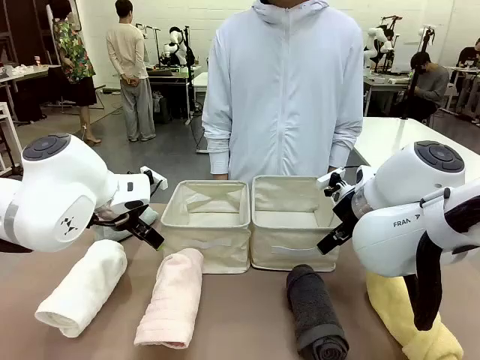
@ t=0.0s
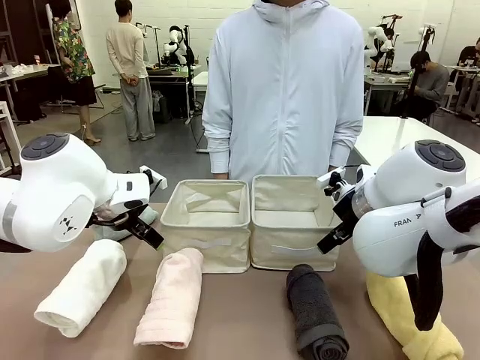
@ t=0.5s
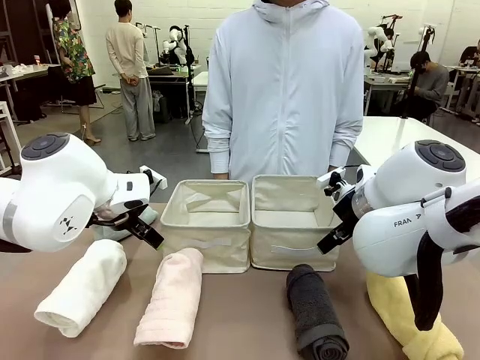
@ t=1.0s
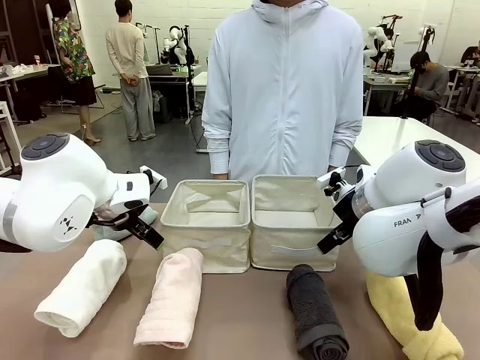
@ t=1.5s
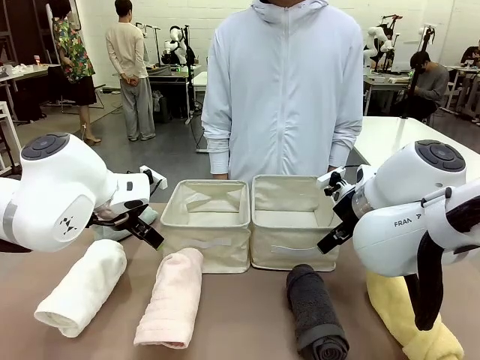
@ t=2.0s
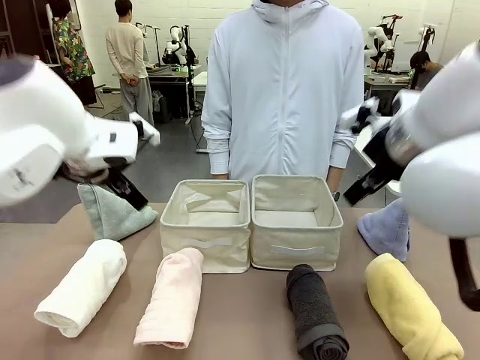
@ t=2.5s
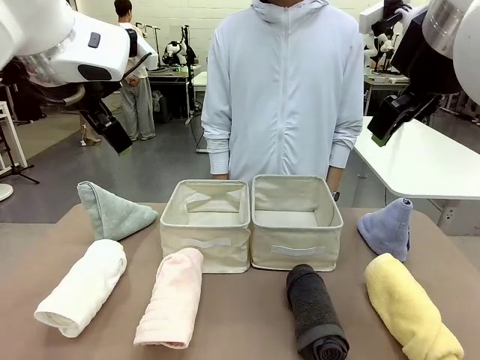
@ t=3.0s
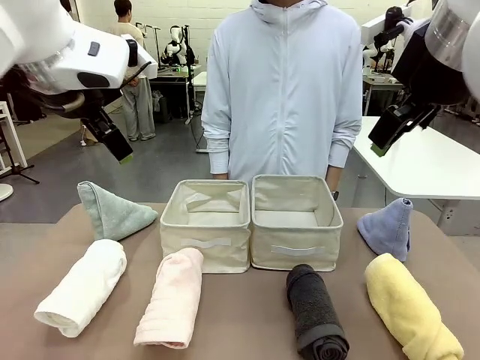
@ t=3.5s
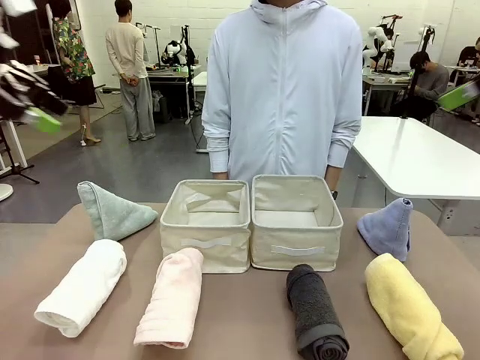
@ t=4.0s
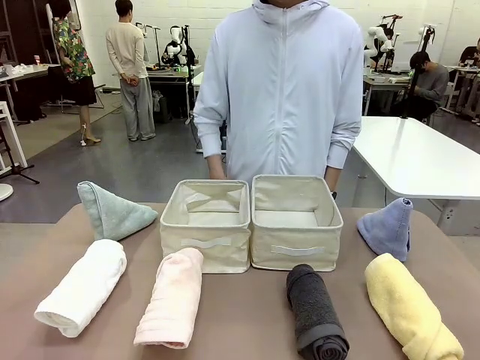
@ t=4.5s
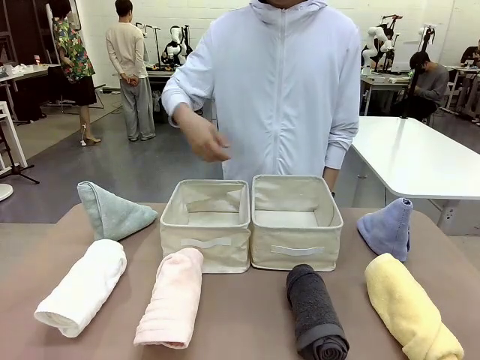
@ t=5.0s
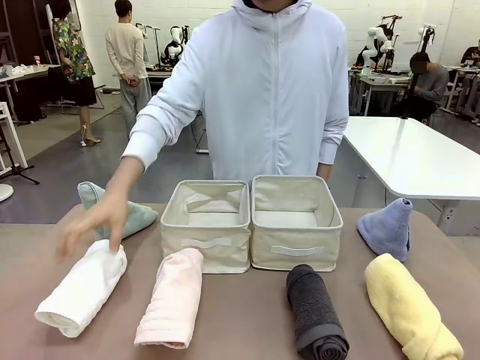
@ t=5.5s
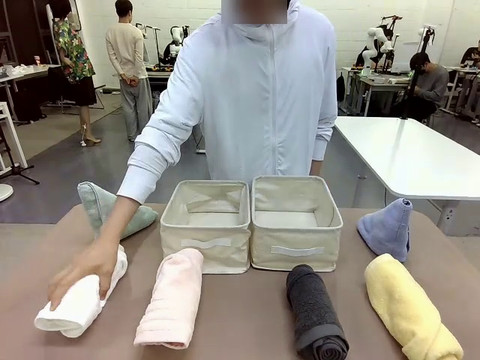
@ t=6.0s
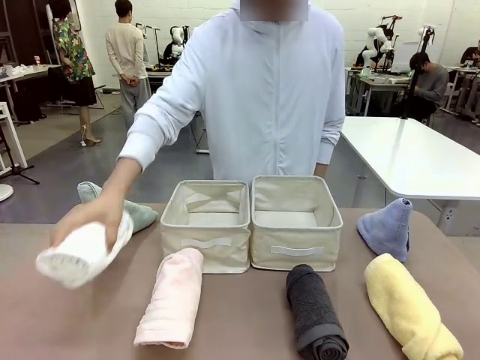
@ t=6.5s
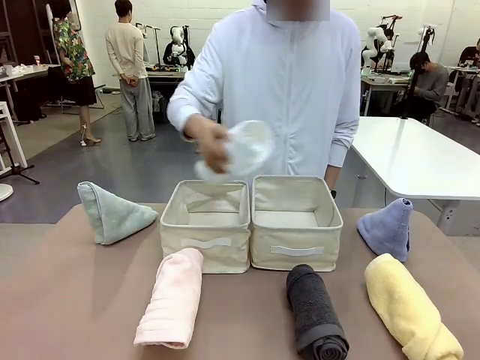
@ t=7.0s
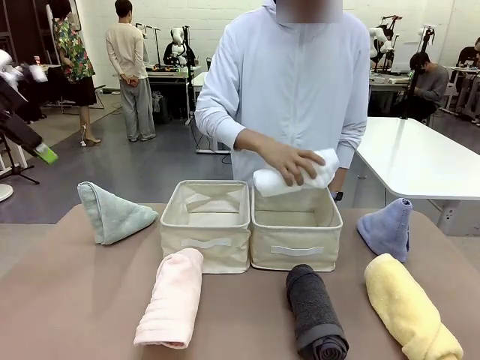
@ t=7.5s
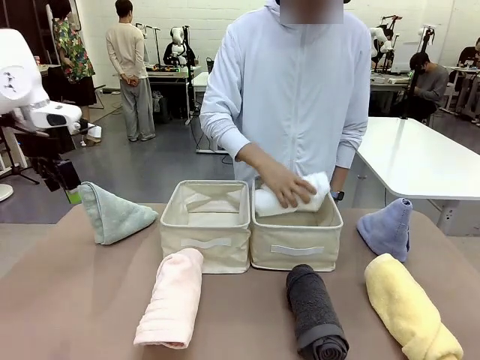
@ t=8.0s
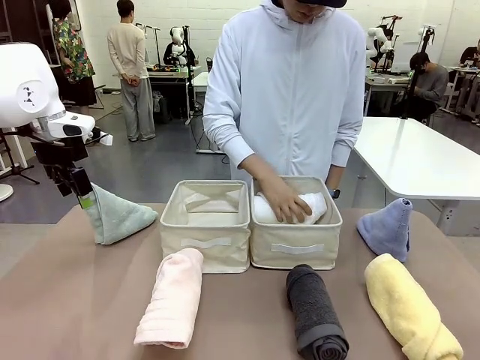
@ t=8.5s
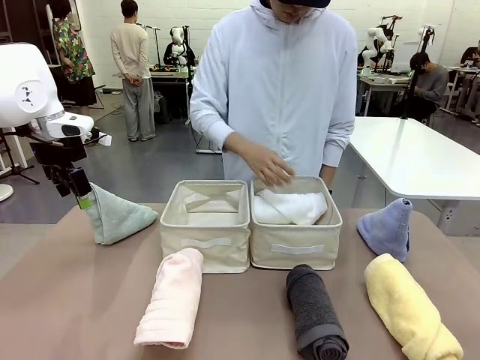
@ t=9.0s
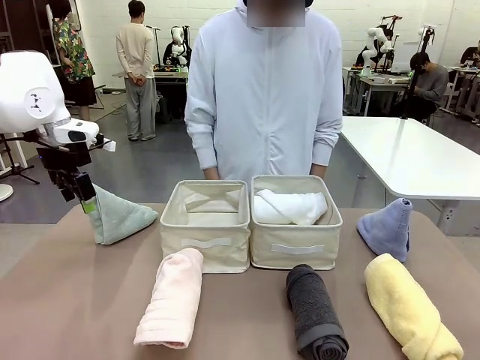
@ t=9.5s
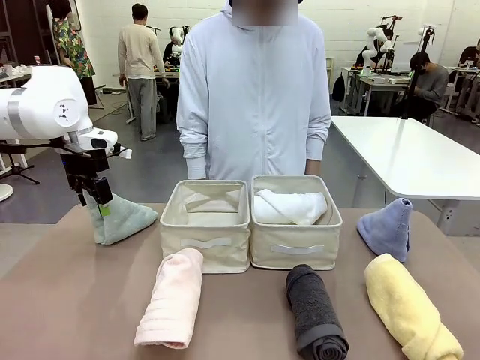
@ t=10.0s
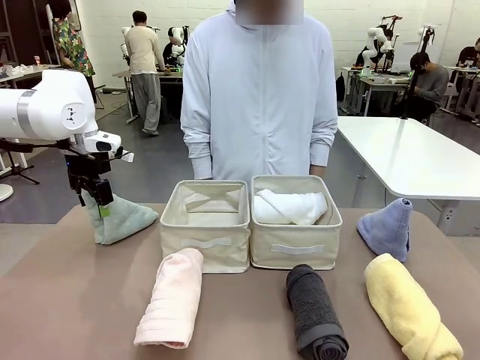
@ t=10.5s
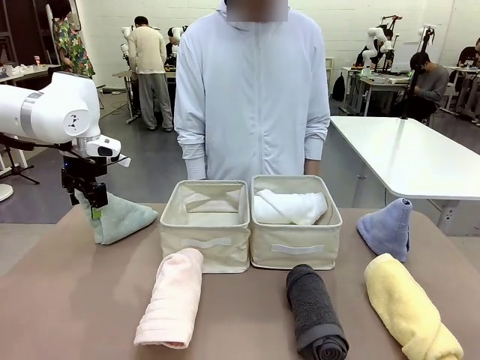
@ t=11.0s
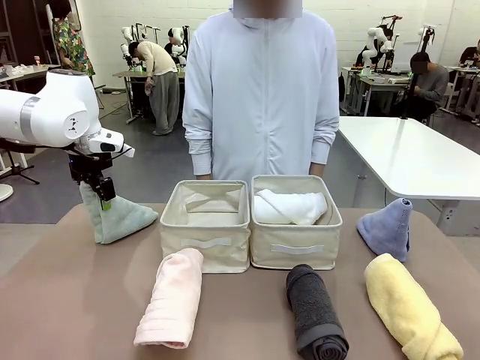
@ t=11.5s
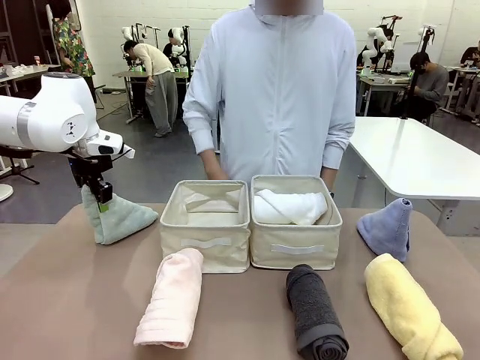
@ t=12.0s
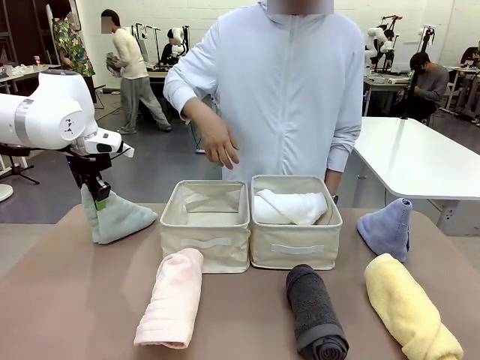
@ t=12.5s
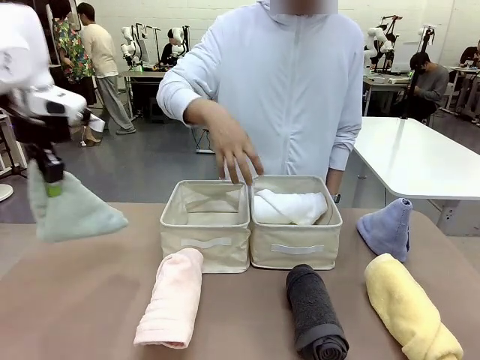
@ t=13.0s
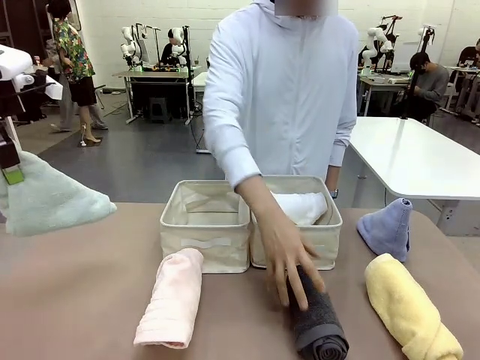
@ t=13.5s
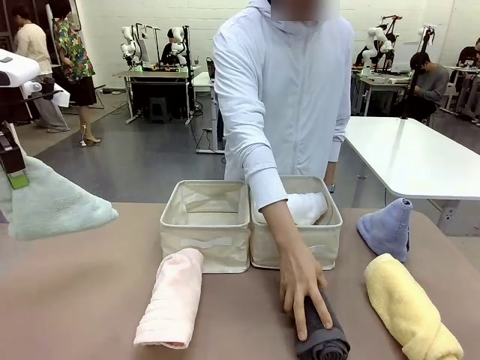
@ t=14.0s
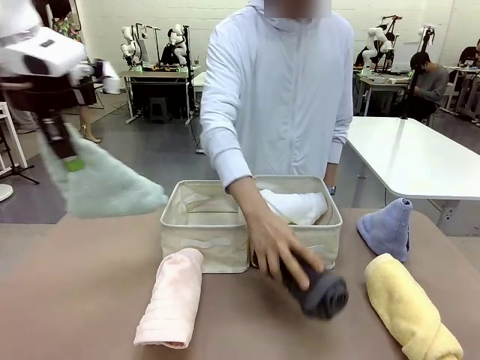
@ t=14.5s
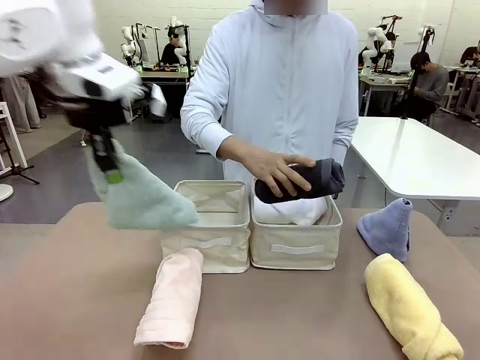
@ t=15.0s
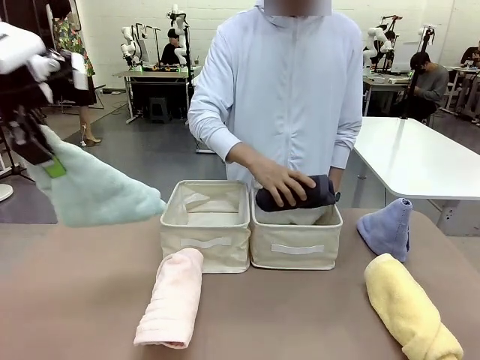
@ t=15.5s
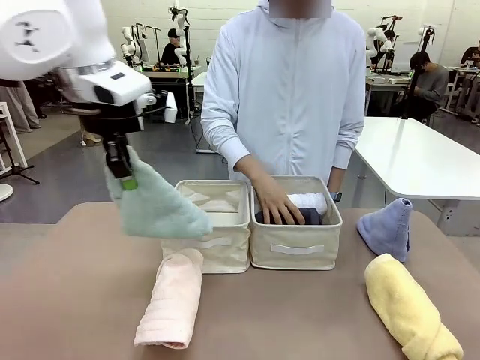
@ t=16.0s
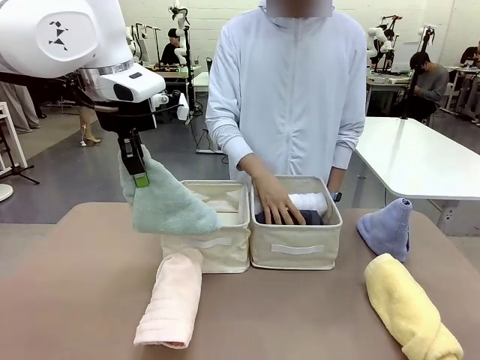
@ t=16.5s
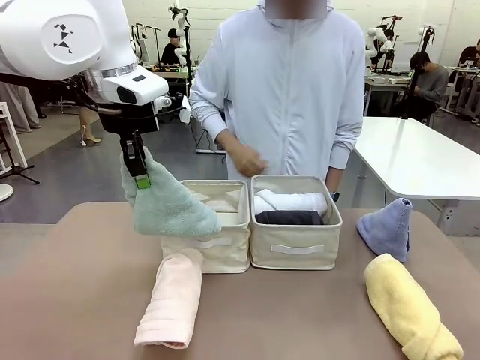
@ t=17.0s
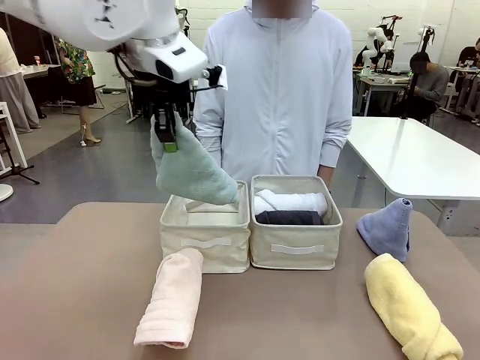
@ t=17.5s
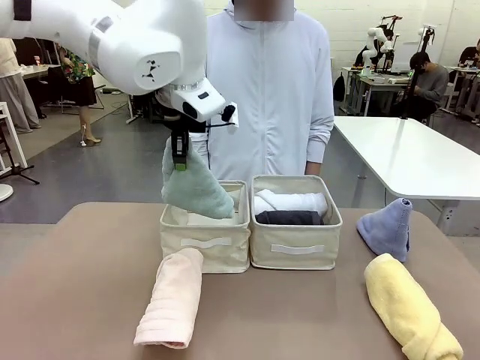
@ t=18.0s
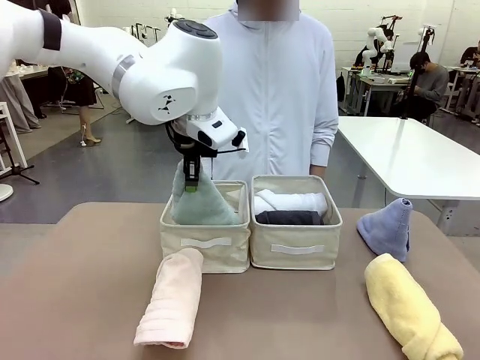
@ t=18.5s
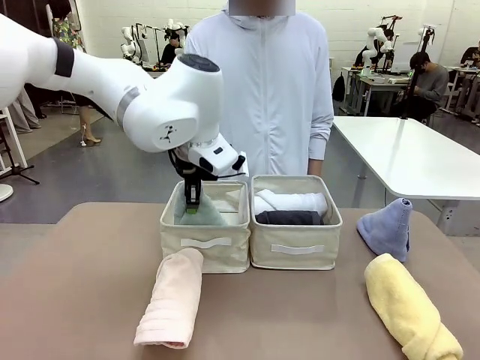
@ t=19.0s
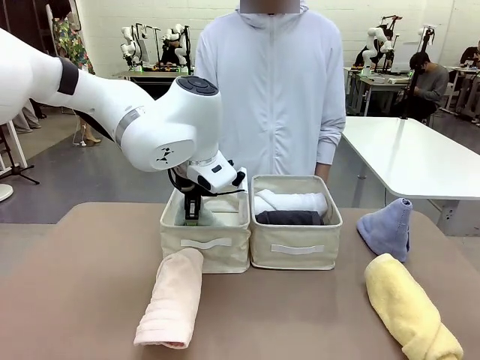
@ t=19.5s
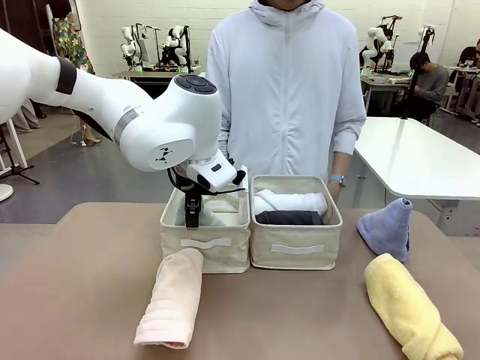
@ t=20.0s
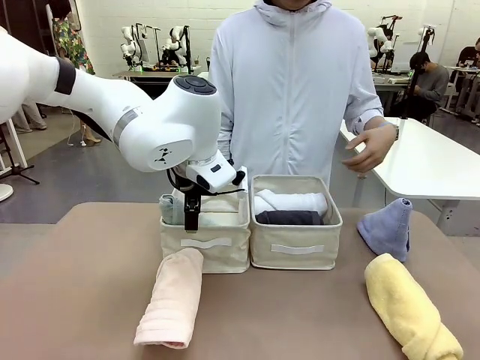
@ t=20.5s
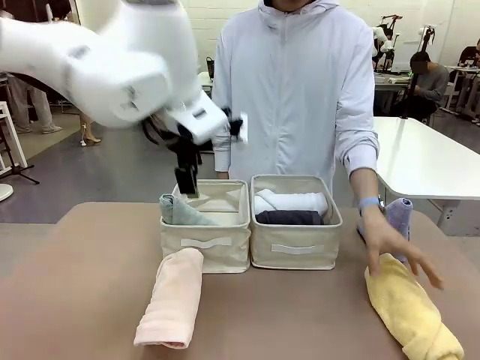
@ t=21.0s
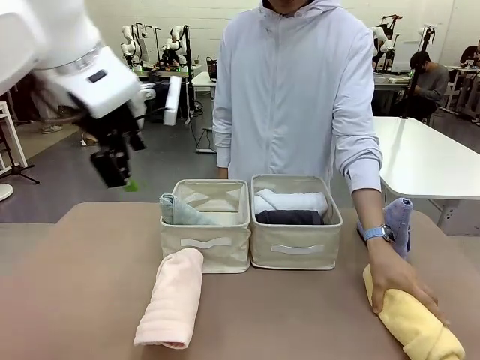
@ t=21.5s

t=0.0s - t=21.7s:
Task: Sort the towels based on their folding style.
Robot: Pick up one triangle-folded towel and place it in the left Fabric basket.
Person: Pick up one hotel-style rolled towel and place it in the left fabric basket.
